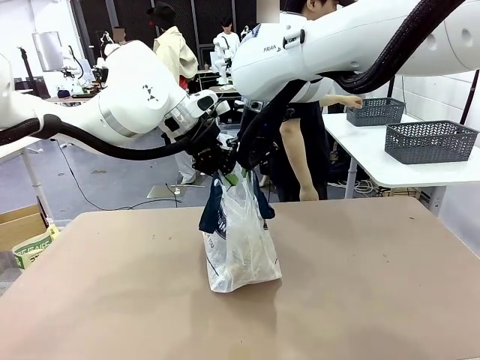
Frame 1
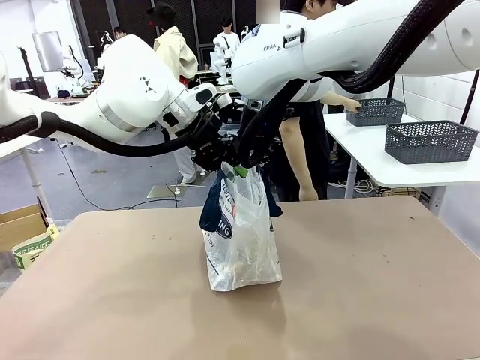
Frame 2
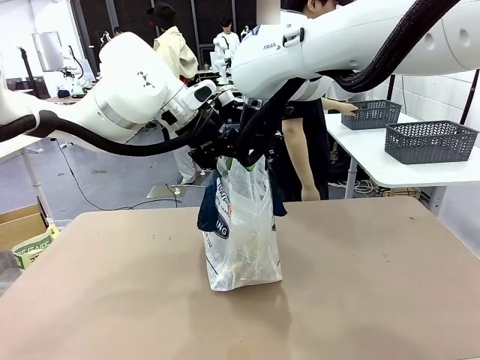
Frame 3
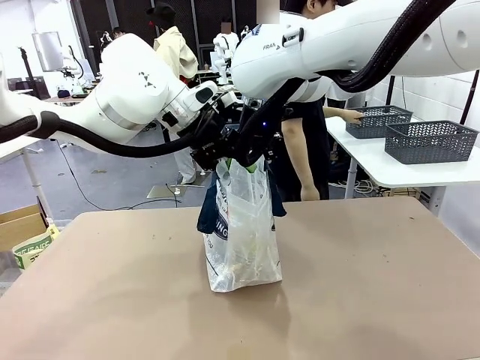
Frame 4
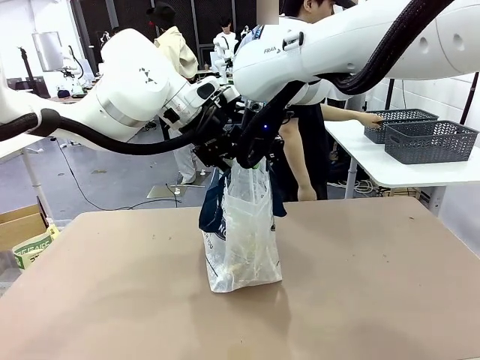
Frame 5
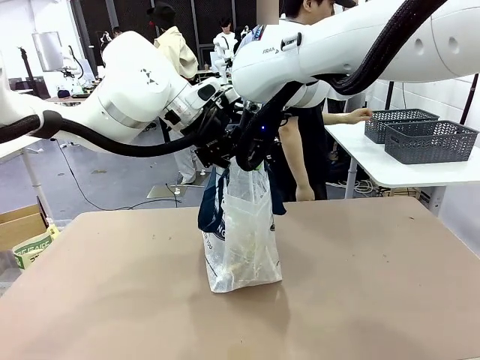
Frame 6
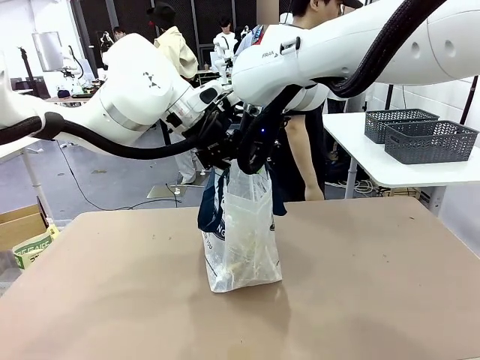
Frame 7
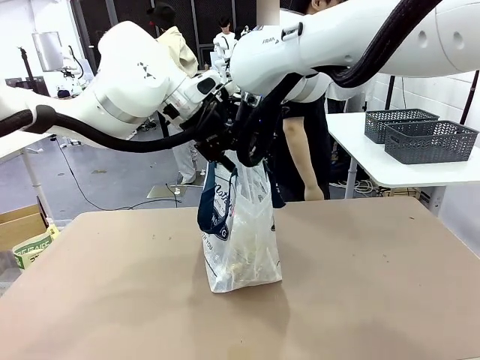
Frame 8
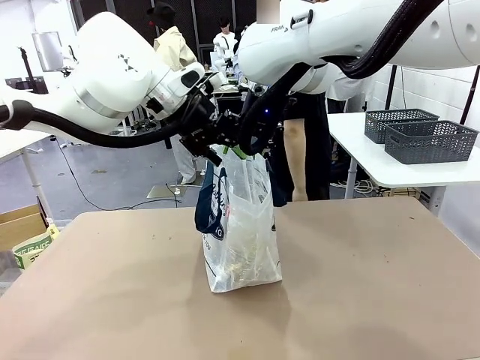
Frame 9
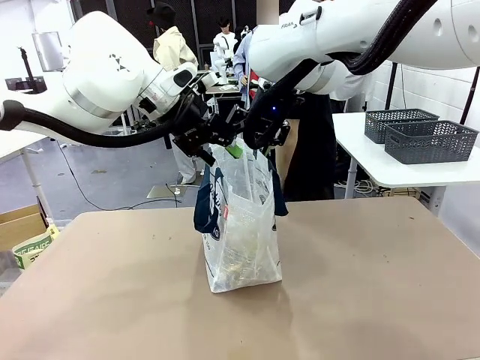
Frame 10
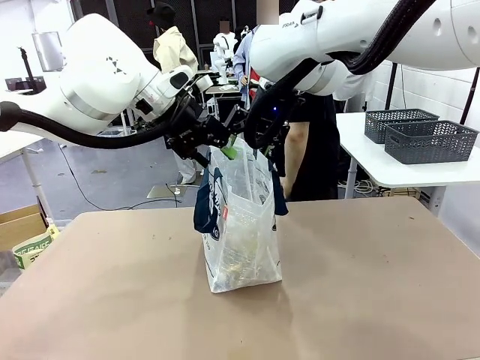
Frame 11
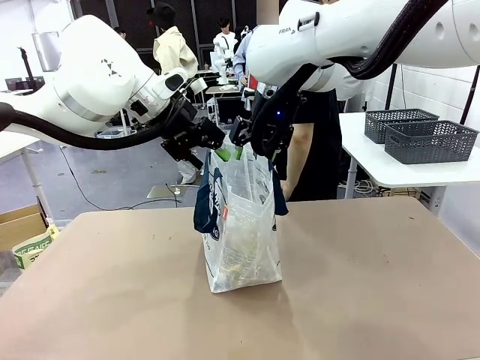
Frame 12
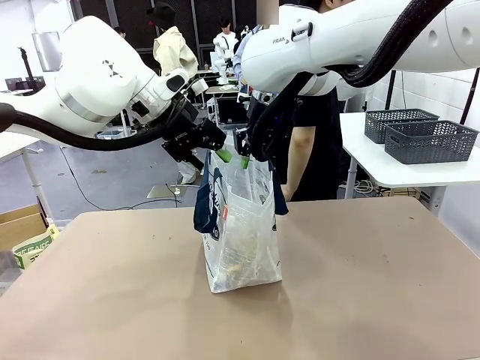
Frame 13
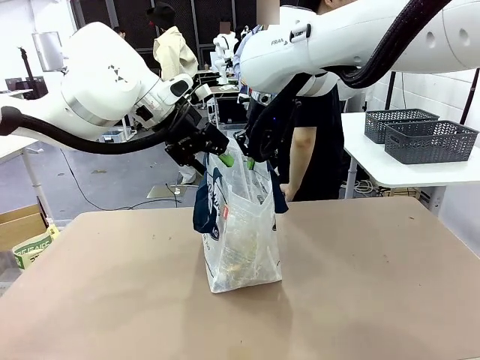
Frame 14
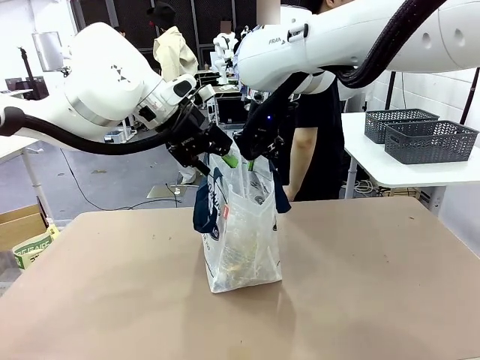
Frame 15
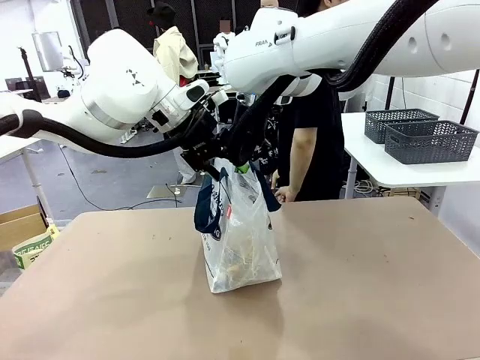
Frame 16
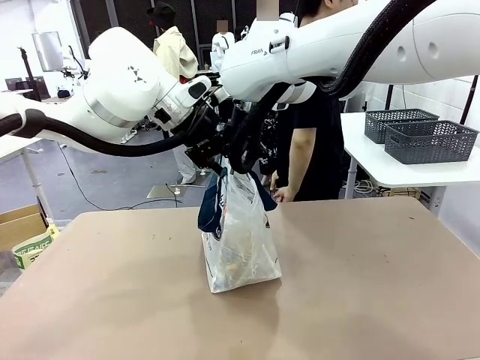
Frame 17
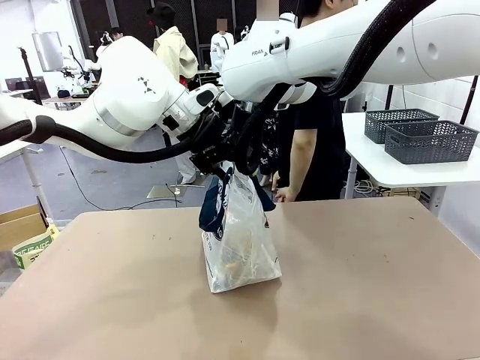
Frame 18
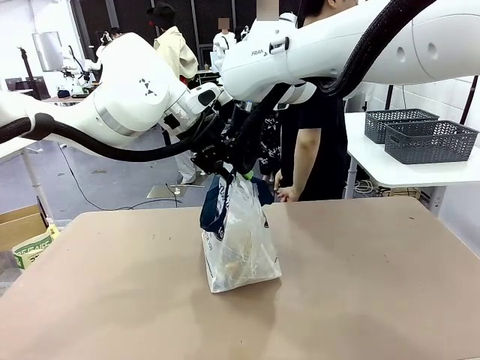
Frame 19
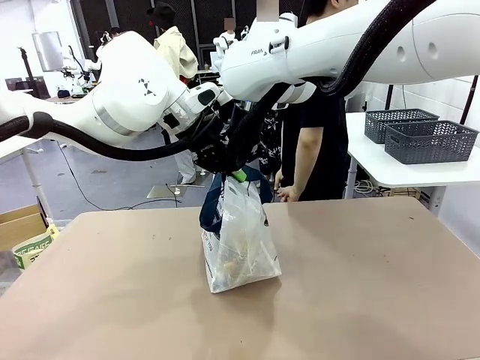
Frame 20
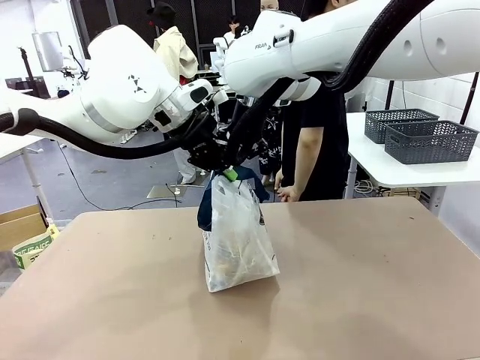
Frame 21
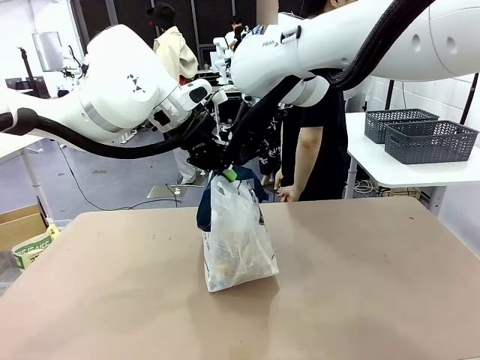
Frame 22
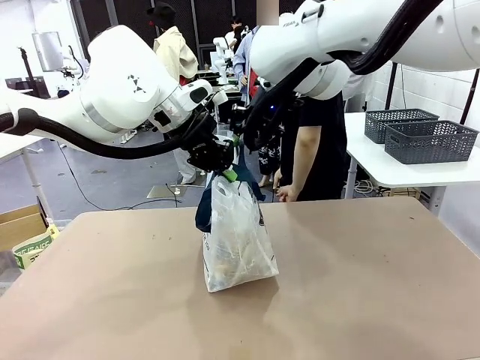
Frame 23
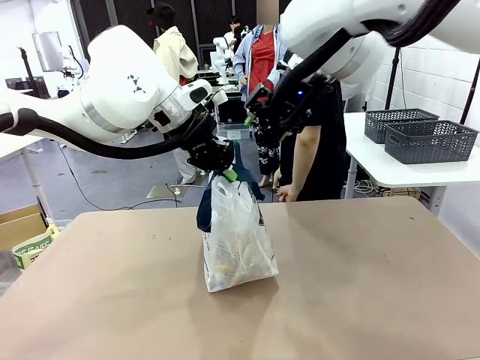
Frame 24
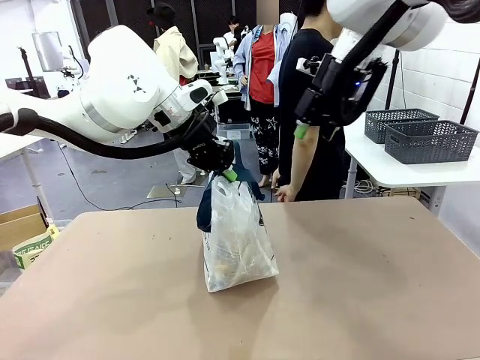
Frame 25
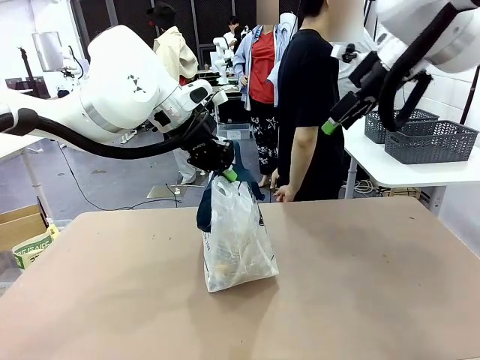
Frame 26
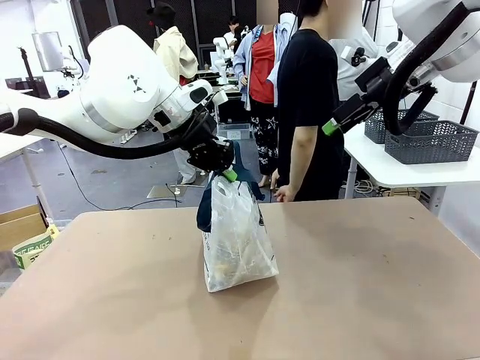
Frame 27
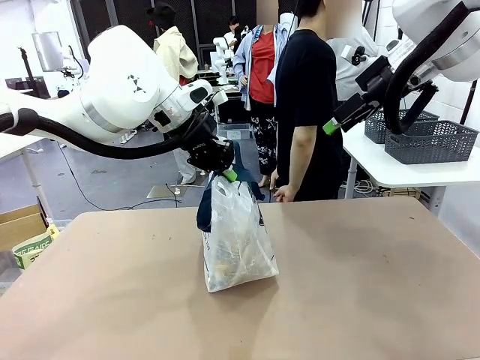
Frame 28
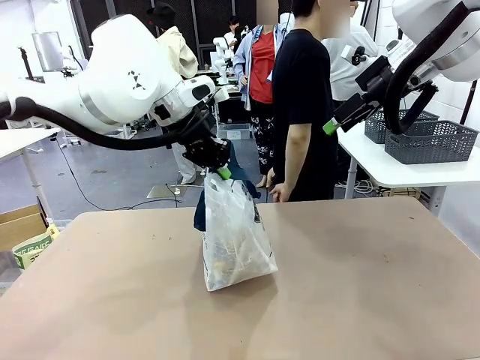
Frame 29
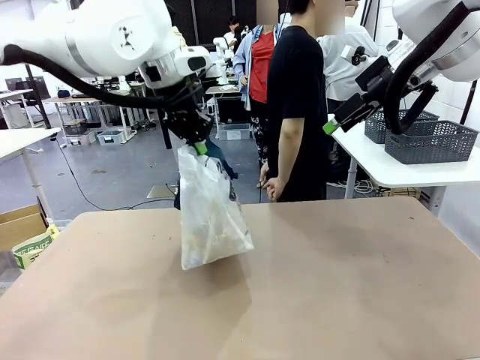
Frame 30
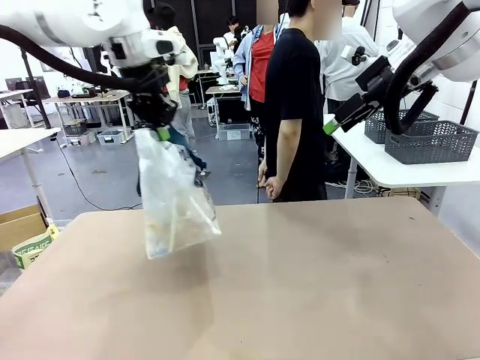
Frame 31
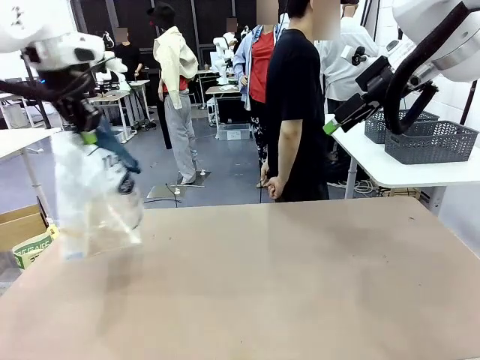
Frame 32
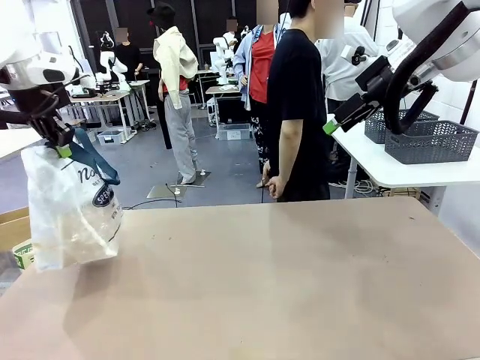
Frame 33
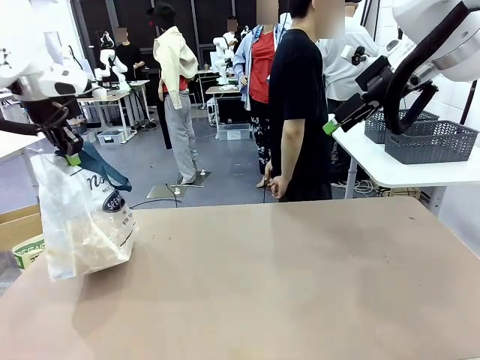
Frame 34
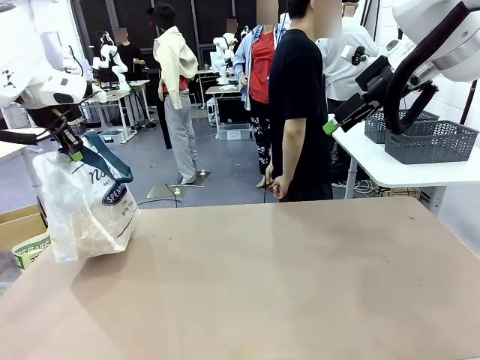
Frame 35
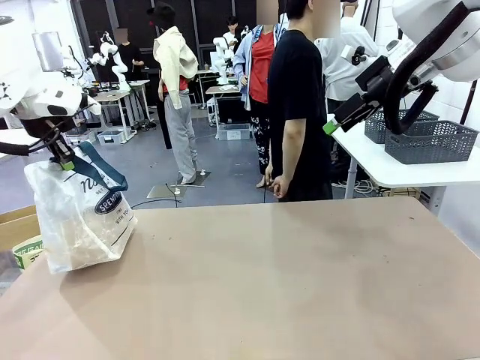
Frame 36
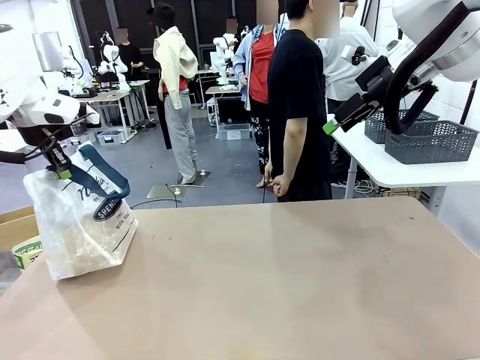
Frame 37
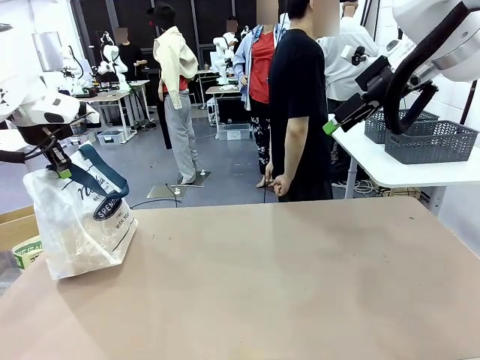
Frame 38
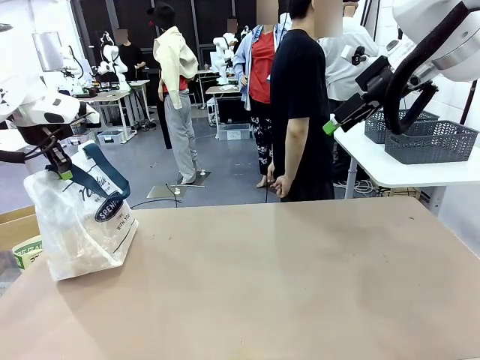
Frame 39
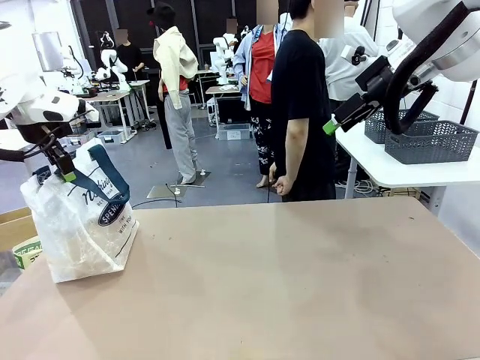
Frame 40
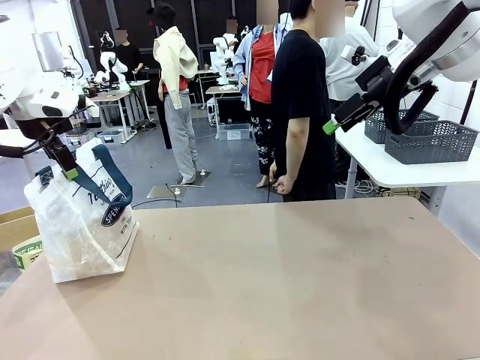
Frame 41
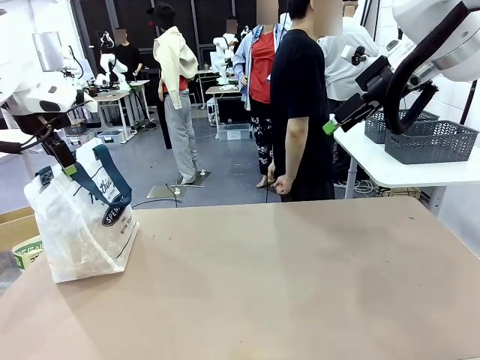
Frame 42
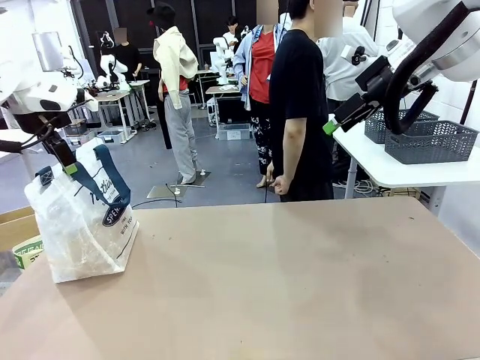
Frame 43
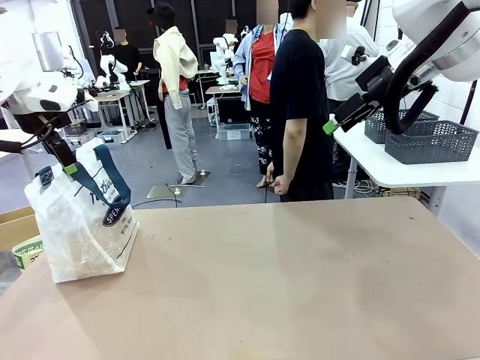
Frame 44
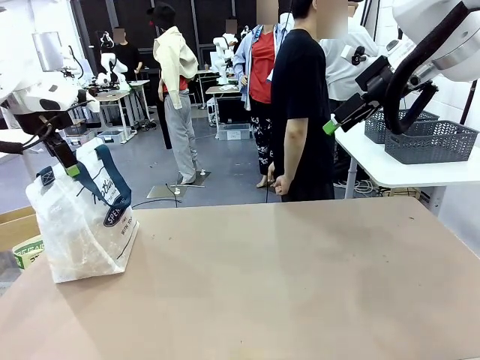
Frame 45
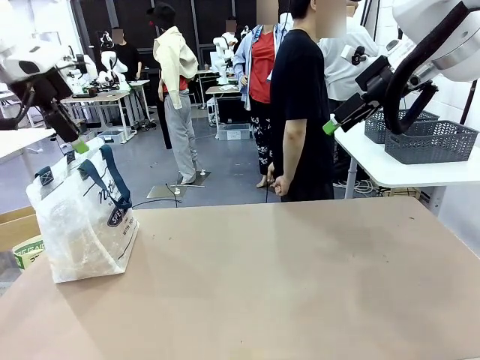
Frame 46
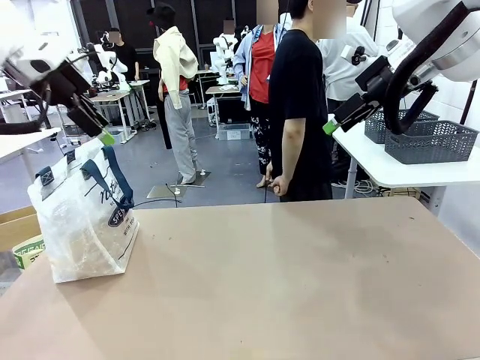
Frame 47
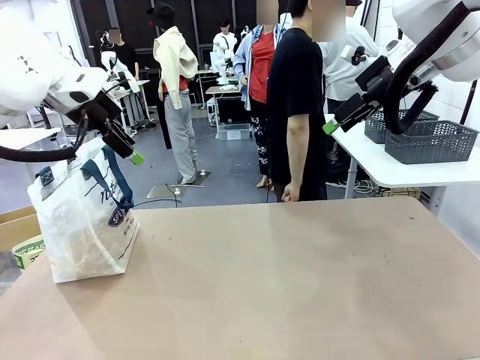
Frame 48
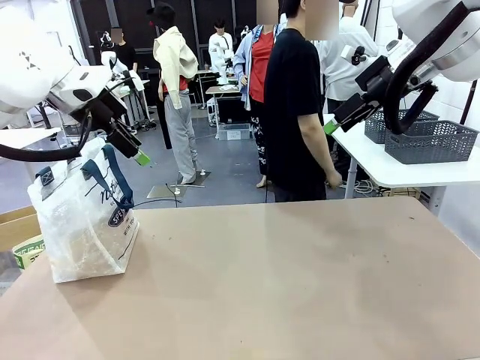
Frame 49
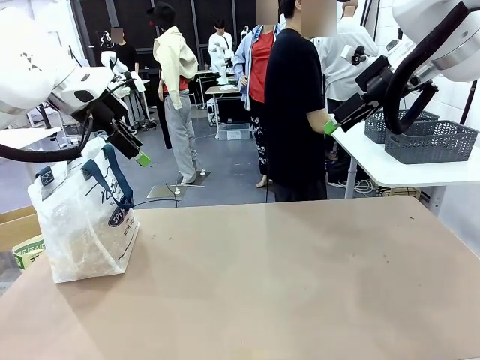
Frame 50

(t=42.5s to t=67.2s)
Task: Transfer purchased items from the store into the shopping bag.
Robot: Move the Reusable shopping bag to the right side of the table.
Person: Move the basket on the left to the middle of the person's table.
